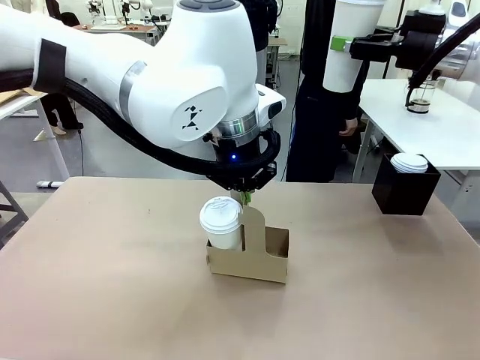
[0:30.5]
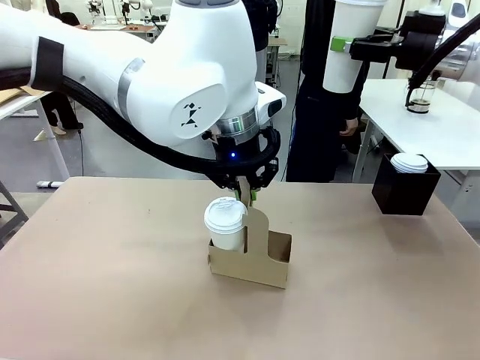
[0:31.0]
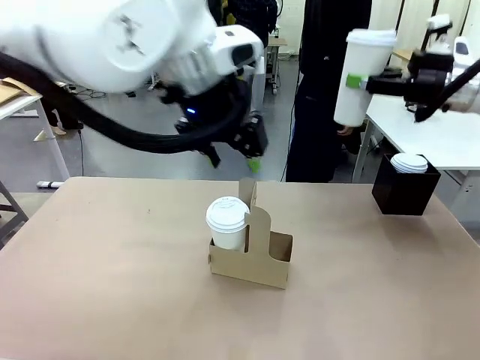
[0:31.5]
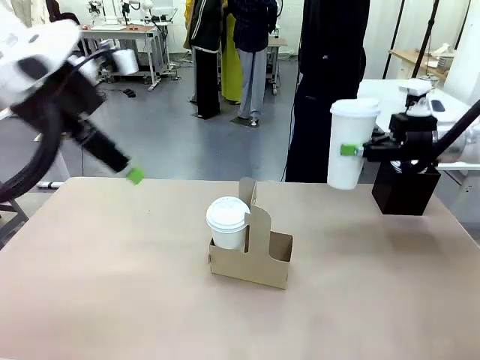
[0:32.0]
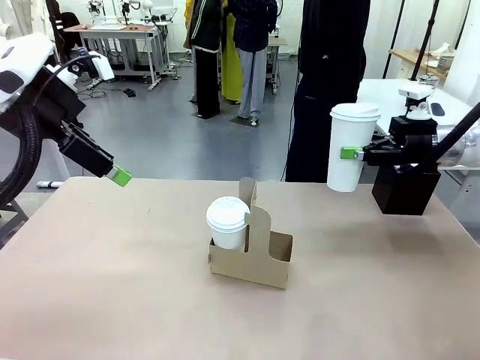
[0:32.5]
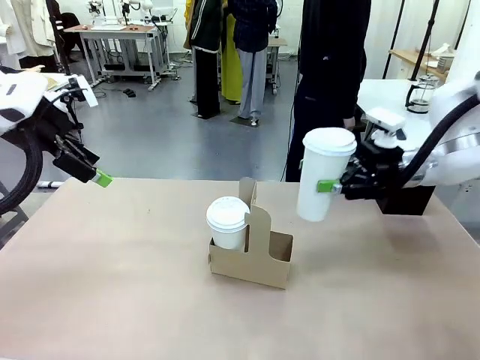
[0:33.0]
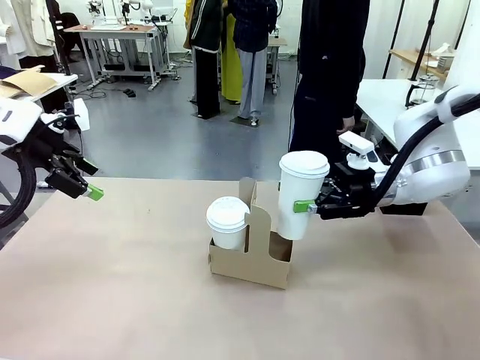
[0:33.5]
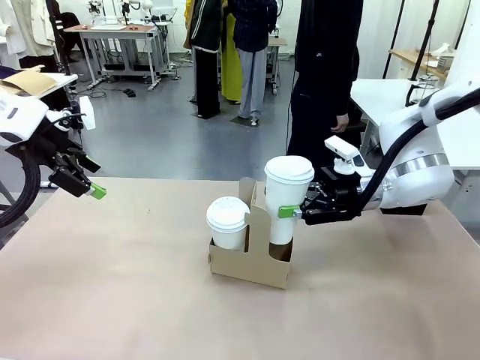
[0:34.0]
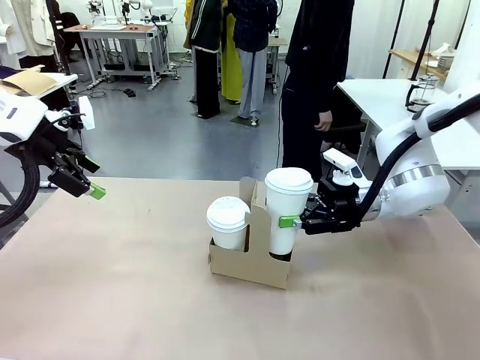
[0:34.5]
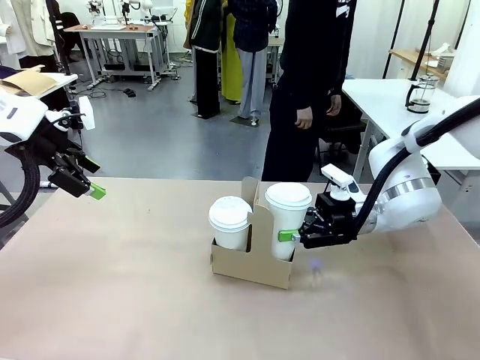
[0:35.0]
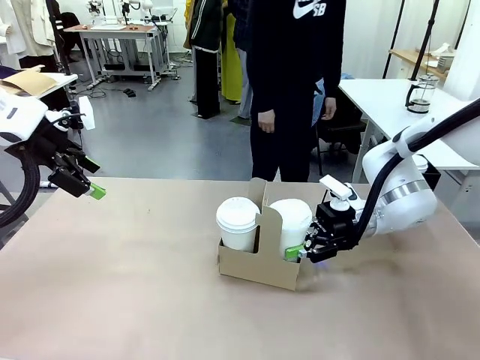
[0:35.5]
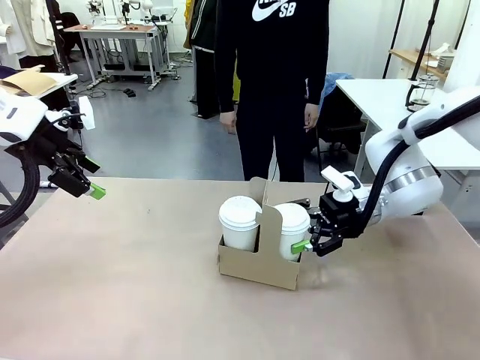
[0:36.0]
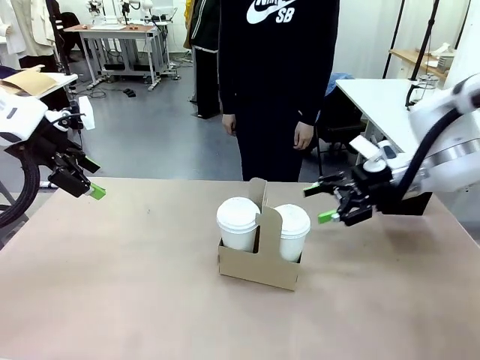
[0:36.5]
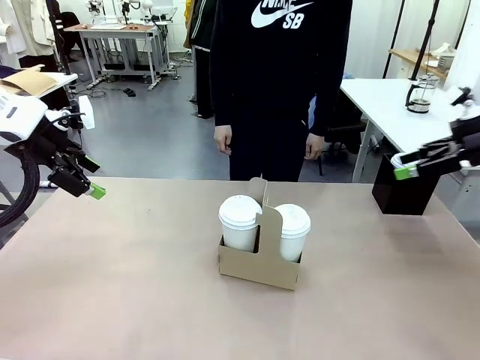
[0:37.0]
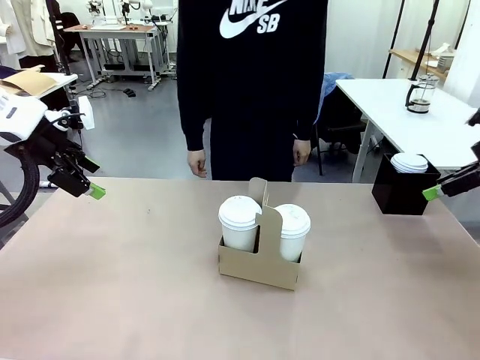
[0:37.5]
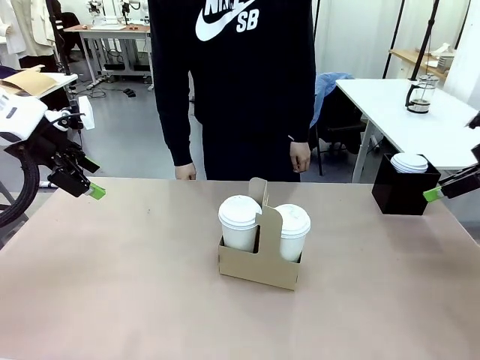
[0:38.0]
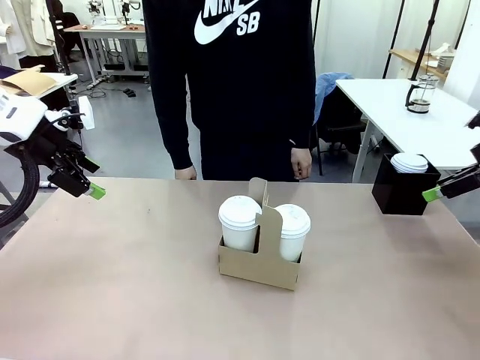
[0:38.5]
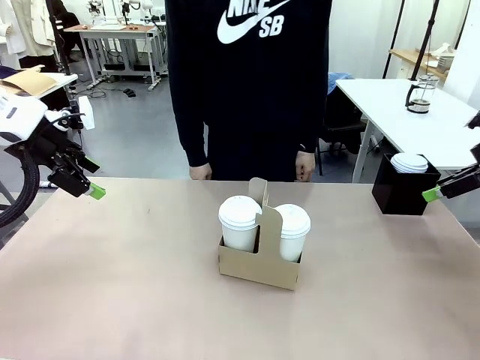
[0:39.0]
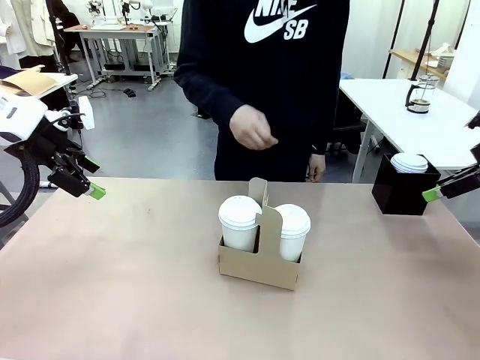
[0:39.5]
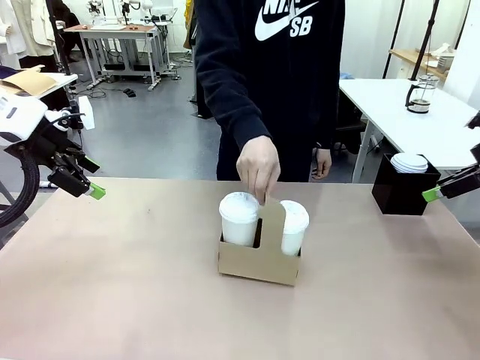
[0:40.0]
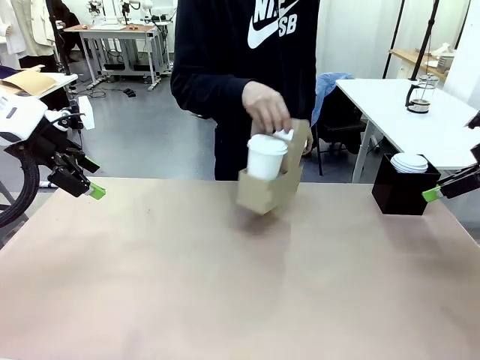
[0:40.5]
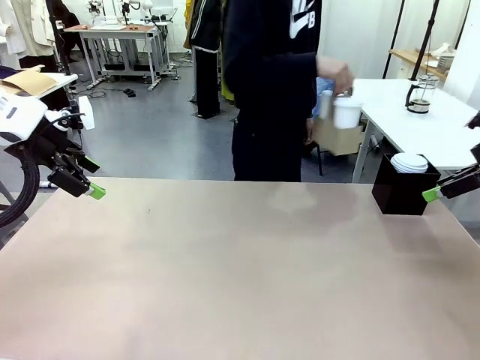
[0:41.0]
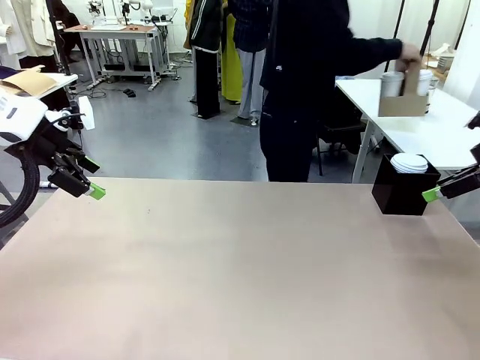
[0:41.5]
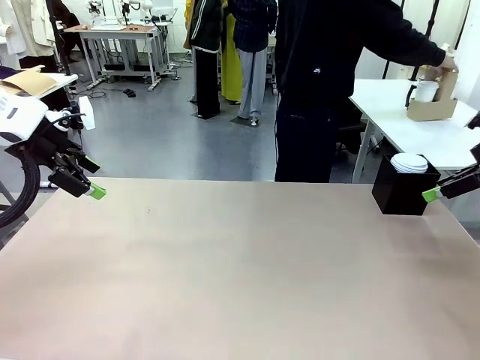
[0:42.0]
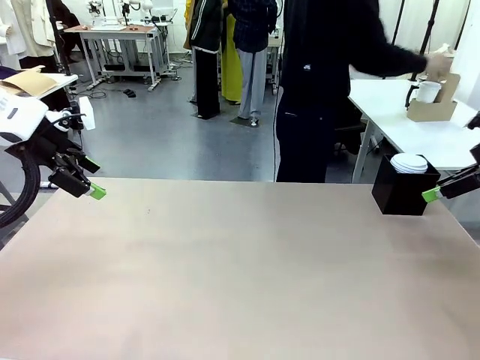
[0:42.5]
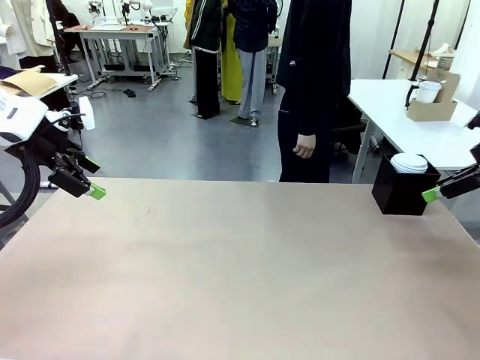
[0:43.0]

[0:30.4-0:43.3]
Task: Pour a drink into a cup and package it in a carrier.
Robot: Insert the held 600 ml Paper Cup into the Cup Carrier.
Person: Place the Cup Carrier to the middle of Human table.

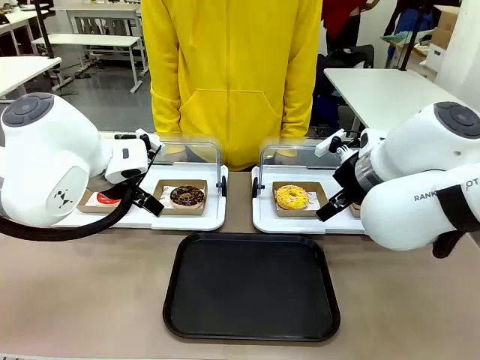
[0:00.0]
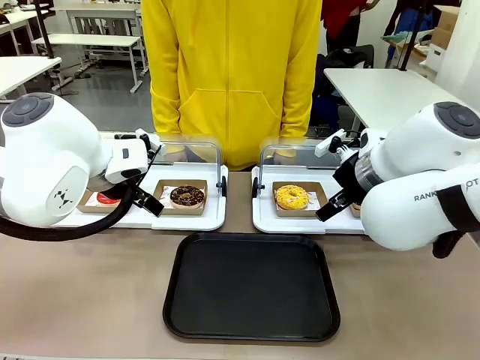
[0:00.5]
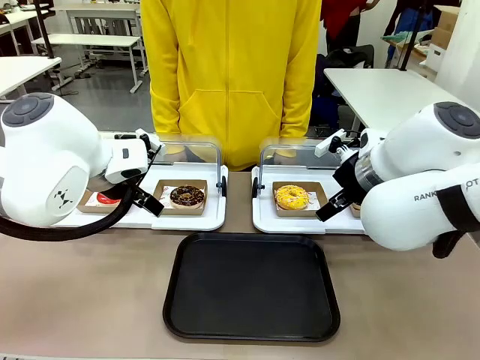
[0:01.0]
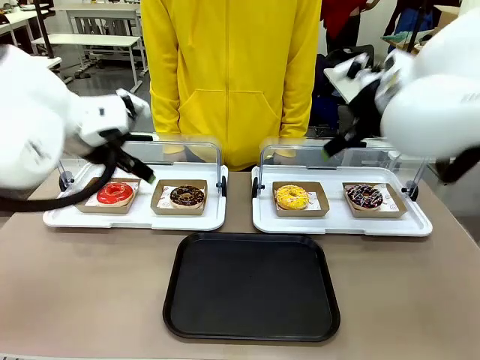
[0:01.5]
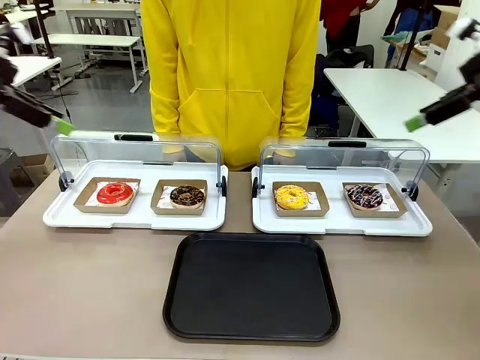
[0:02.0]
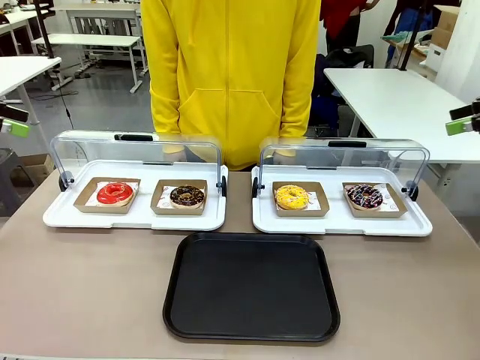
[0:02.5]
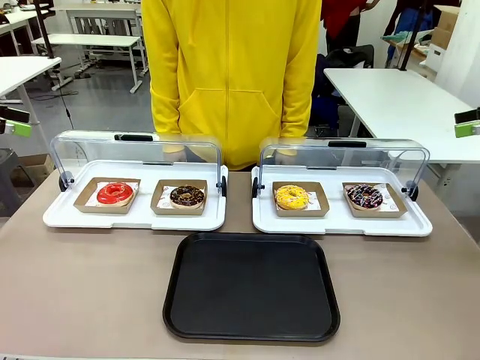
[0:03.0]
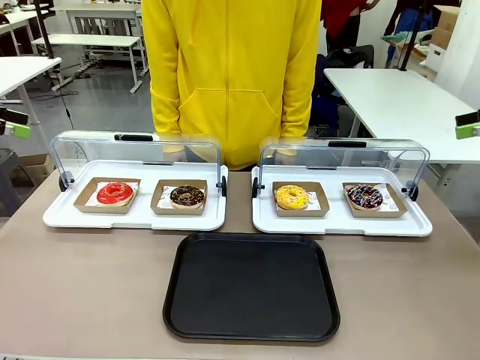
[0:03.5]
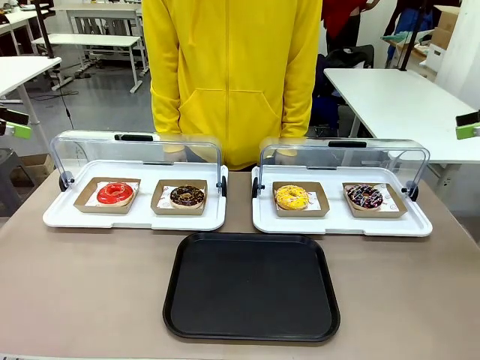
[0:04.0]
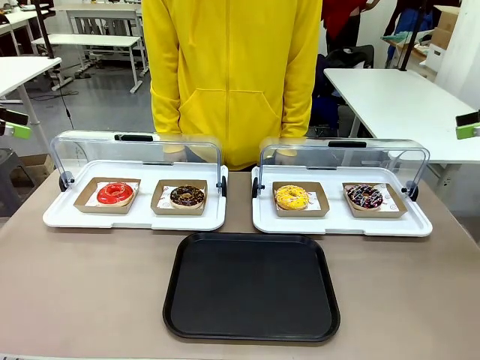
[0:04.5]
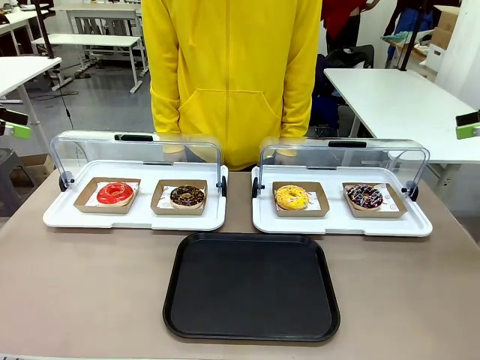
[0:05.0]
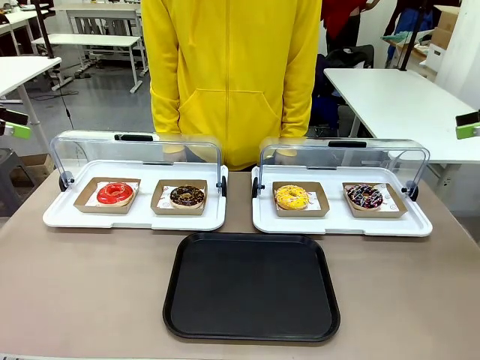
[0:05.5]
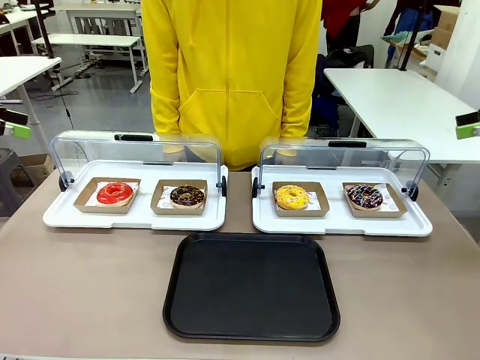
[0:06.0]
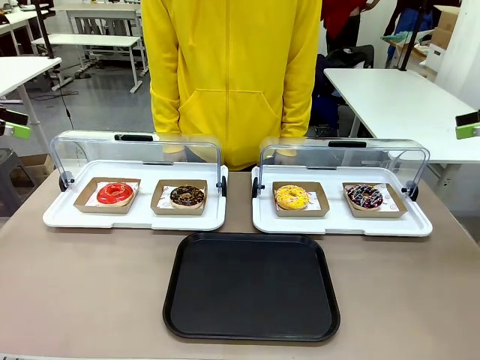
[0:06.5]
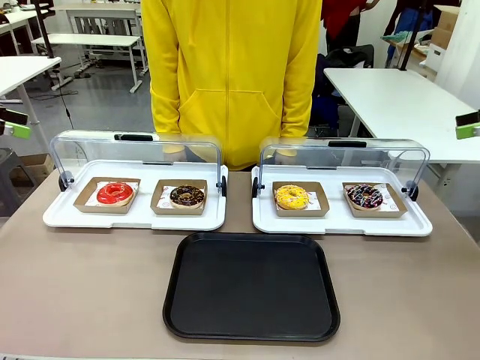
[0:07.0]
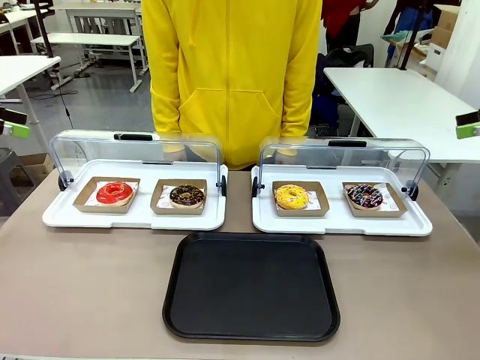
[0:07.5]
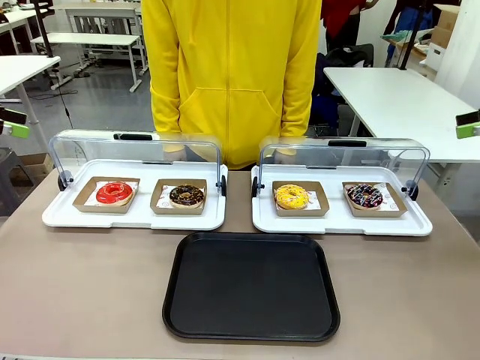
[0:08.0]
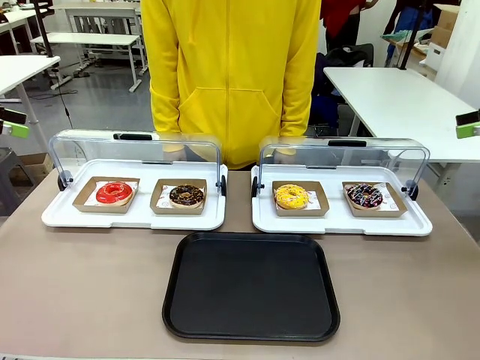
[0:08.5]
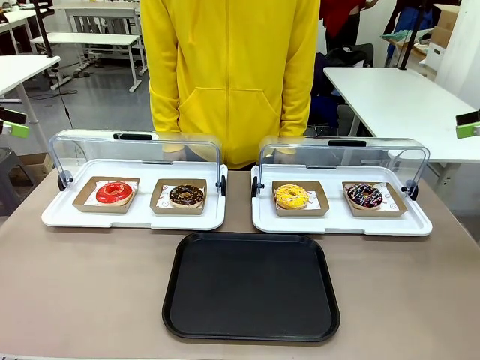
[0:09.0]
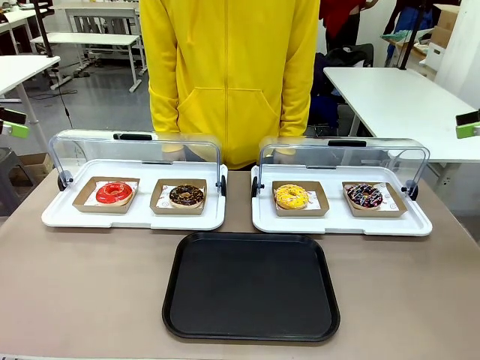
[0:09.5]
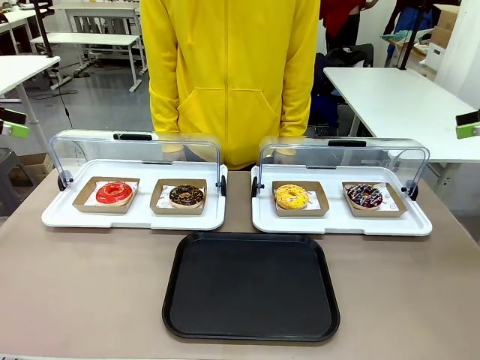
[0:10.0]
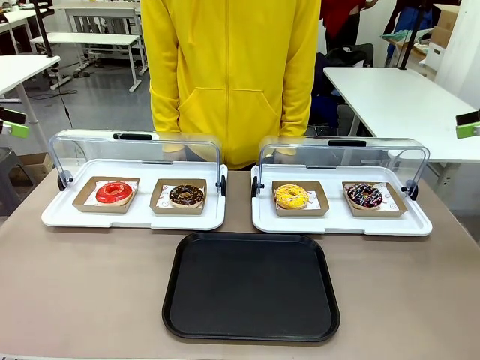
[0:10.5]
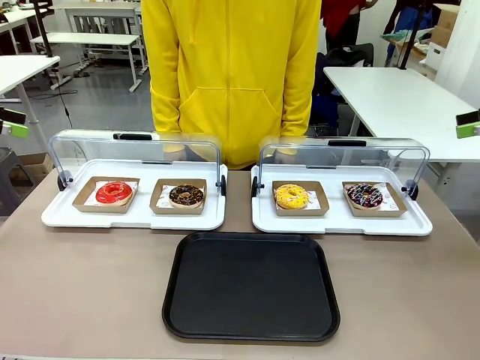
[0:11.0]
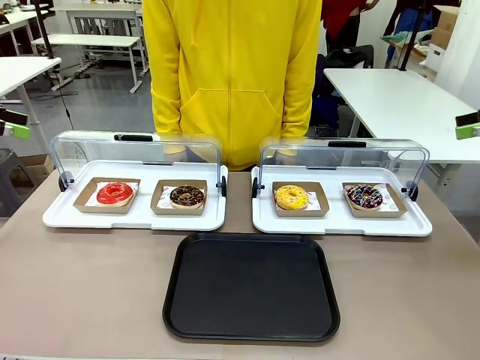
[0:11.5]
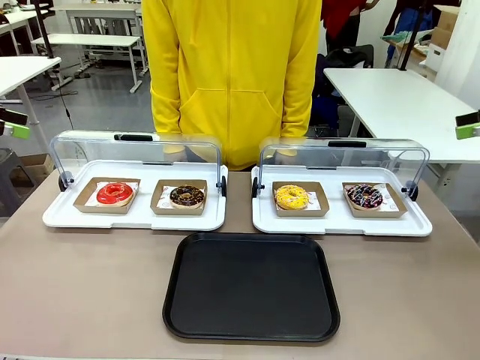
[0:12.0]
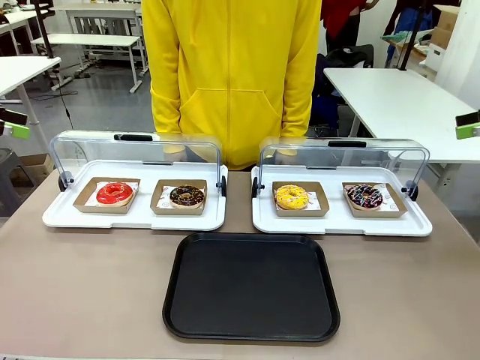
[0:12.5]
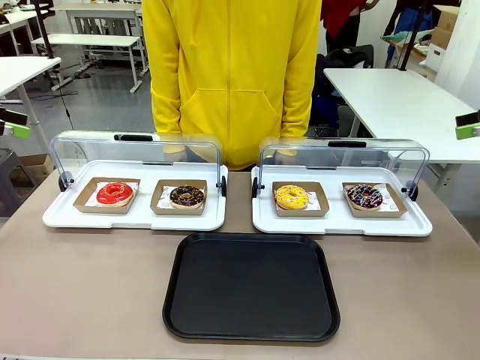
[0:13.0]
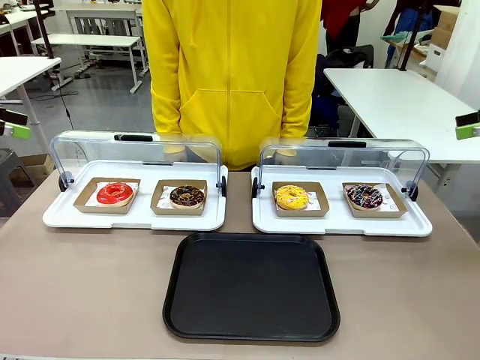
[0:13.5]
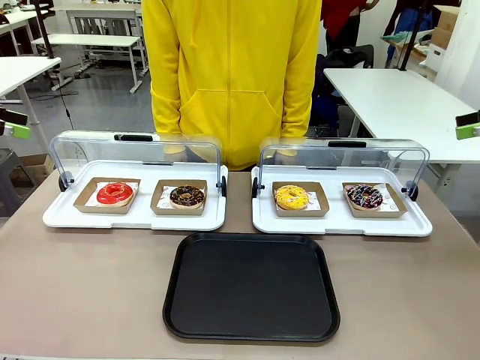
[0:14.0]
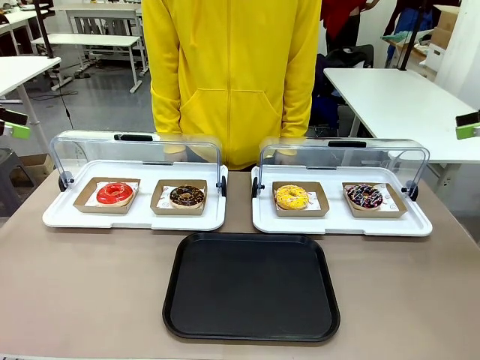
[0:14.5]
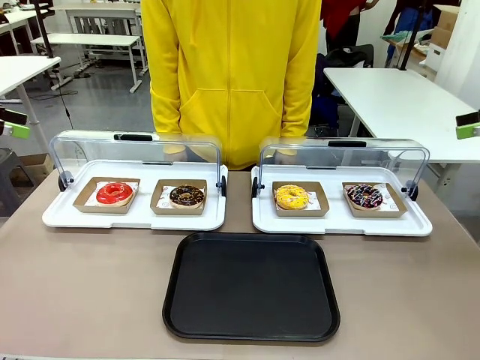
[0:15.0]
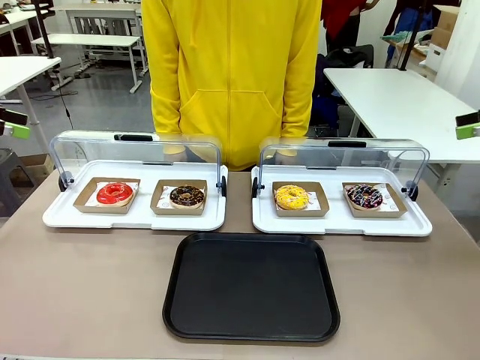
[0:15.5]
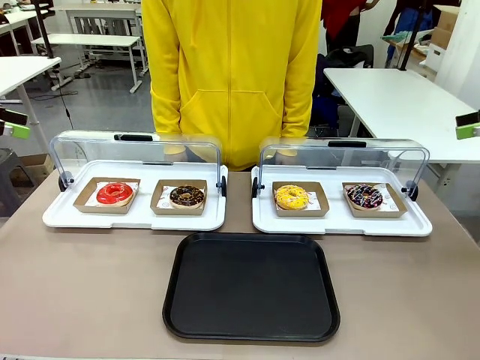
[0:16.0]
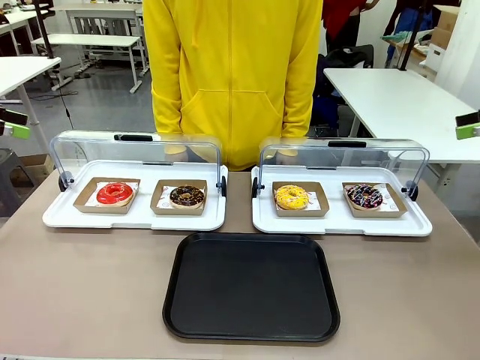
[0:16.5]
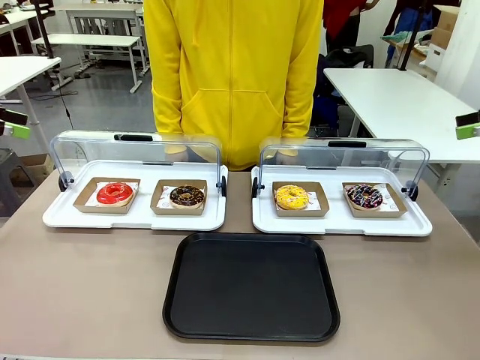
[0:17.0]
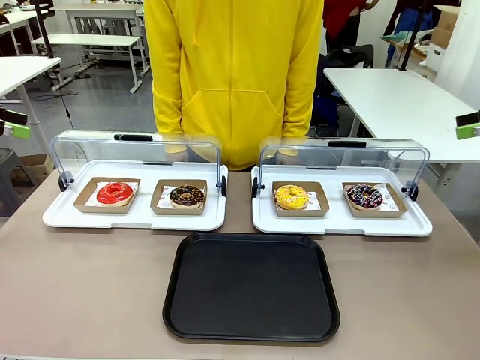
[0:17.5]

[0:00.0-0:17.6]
Task: Move the first donut from the left to the tray.
Robot: Pick up the Paper togo box containing the Donut indicated by the person and place it on the Handle tray.
